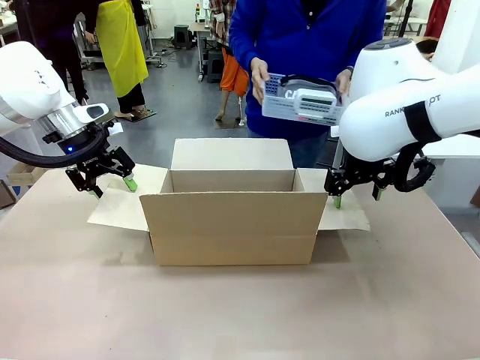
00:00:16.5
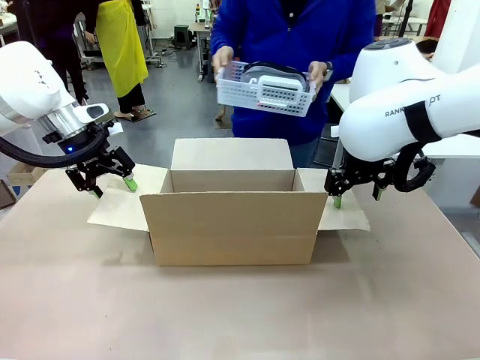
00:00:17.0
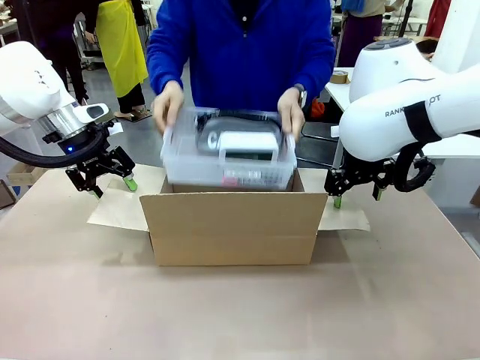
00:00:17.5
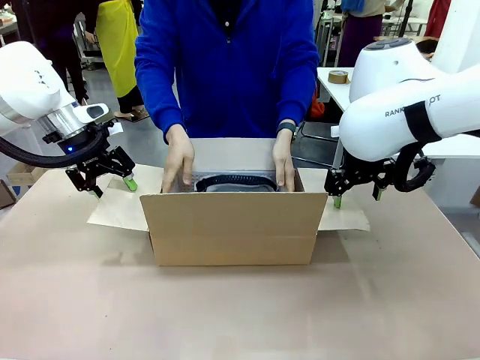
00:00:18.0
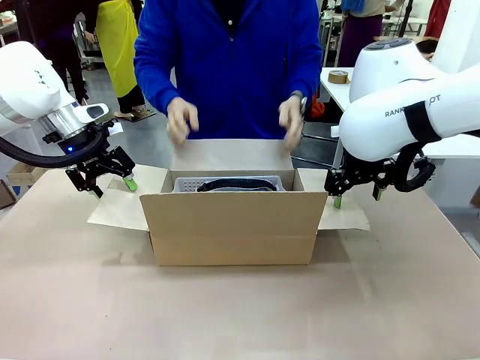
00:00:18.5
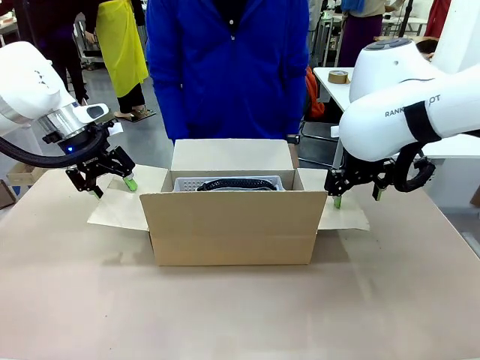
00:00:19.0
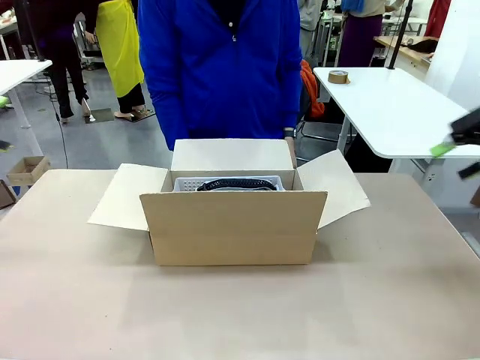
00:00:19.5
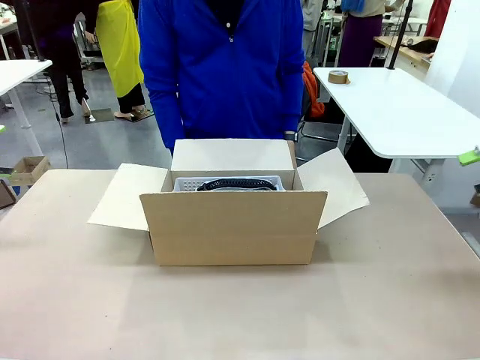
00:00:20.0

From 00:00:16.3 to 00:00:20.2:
Task: Pack the gift set into the box.
Robot: Lift both hands away from the flaps of the Package Box.
Person: The human picks up the organizing basket and places the organizing basket into the package box on the robot table.

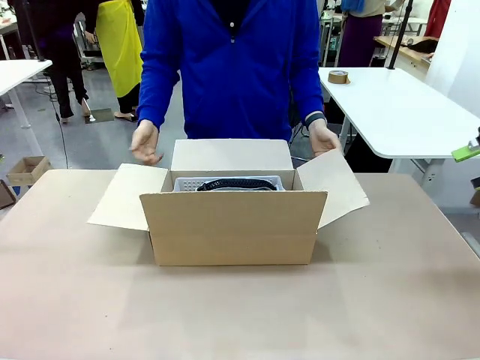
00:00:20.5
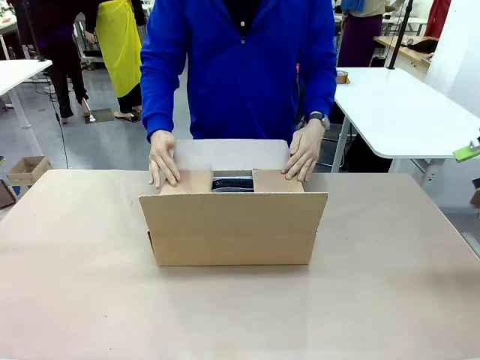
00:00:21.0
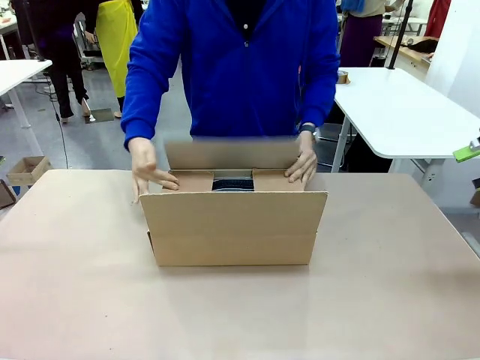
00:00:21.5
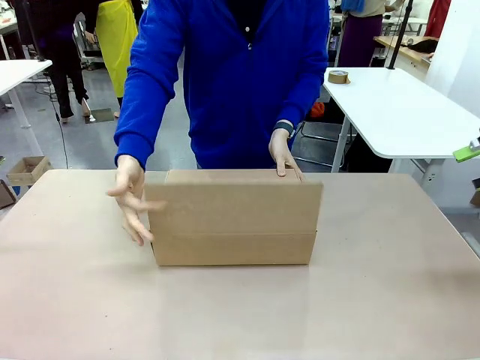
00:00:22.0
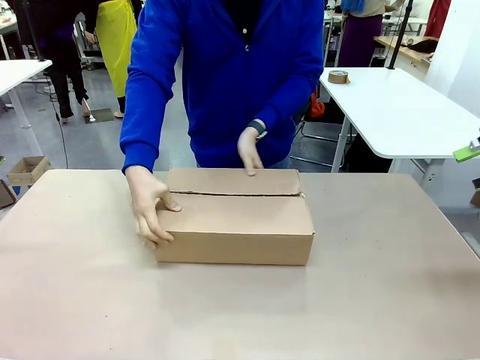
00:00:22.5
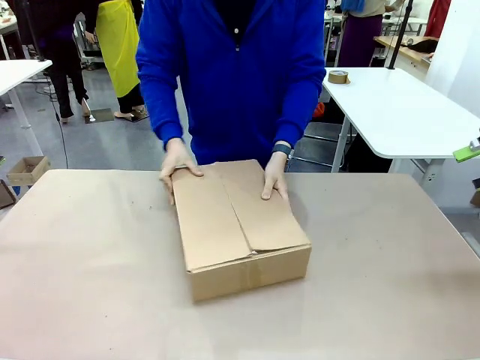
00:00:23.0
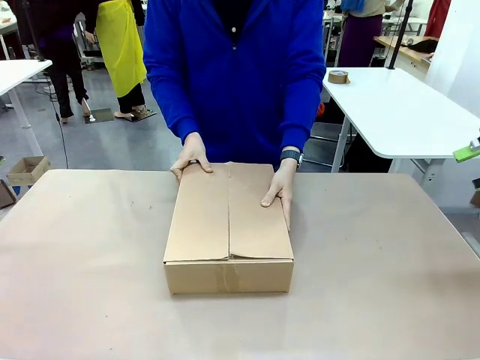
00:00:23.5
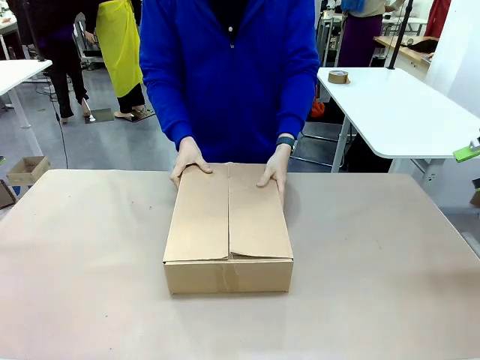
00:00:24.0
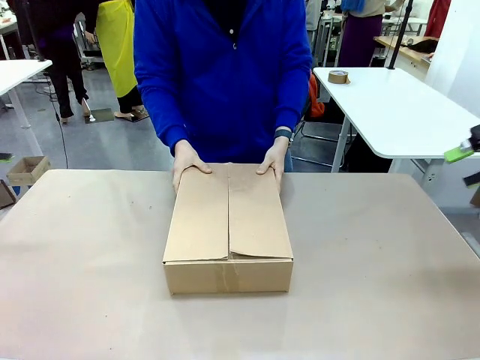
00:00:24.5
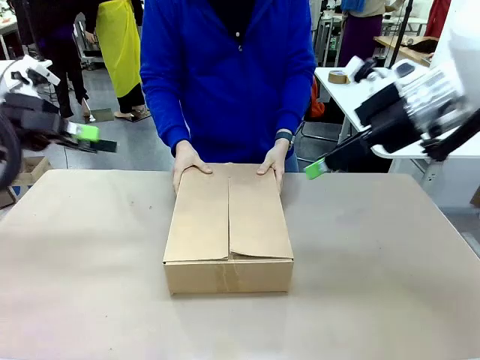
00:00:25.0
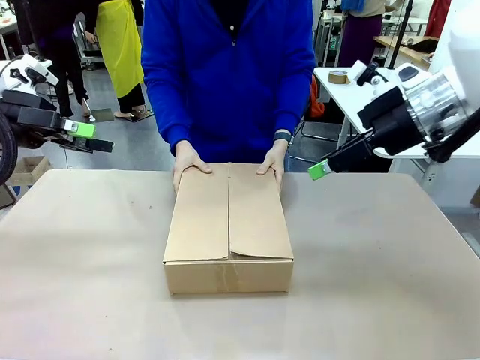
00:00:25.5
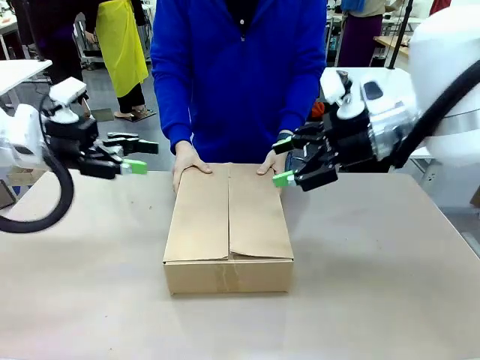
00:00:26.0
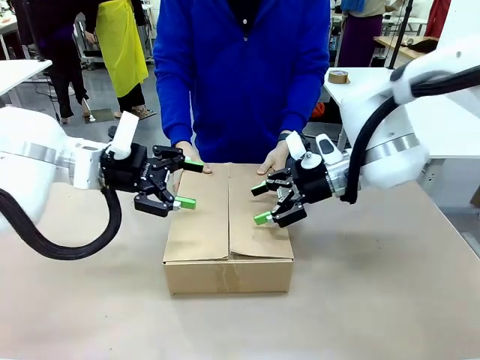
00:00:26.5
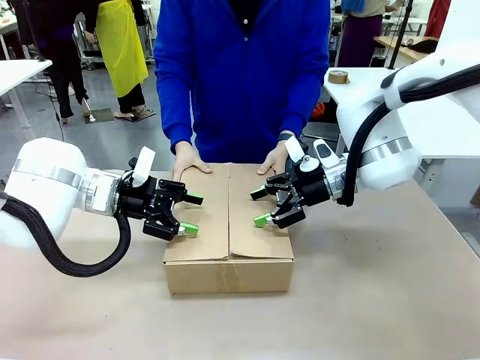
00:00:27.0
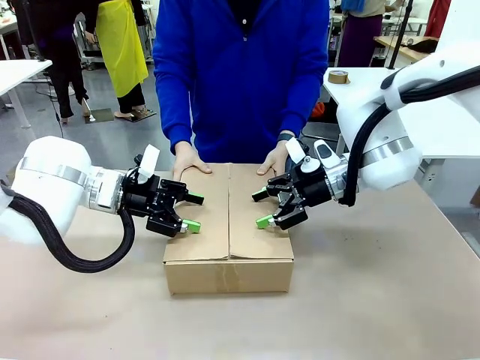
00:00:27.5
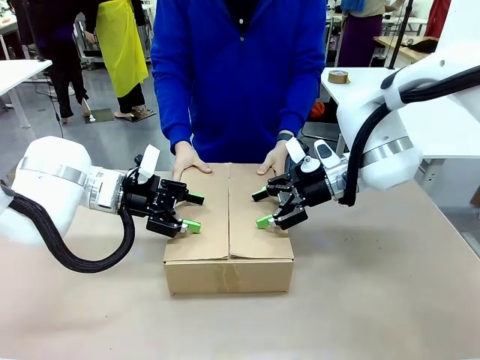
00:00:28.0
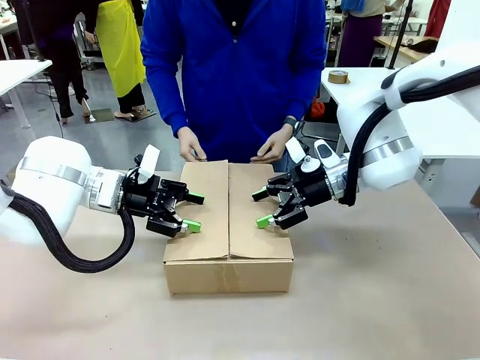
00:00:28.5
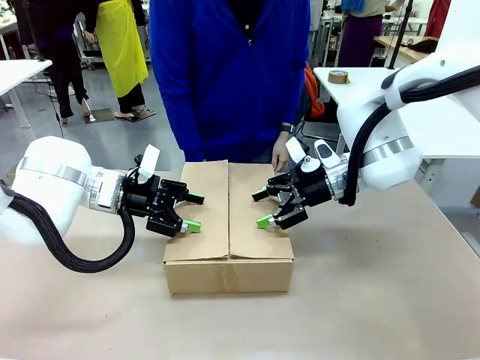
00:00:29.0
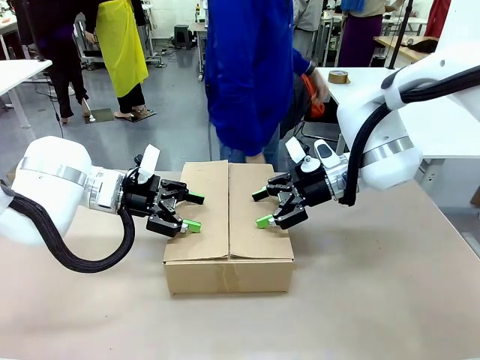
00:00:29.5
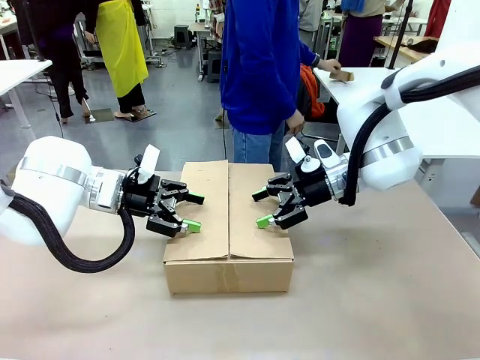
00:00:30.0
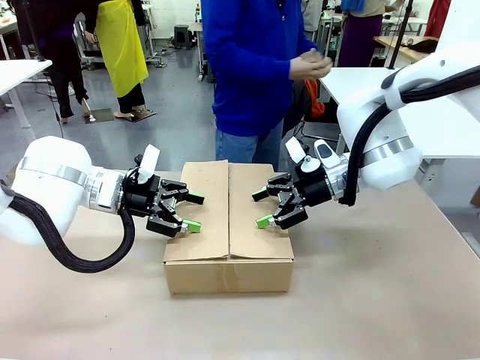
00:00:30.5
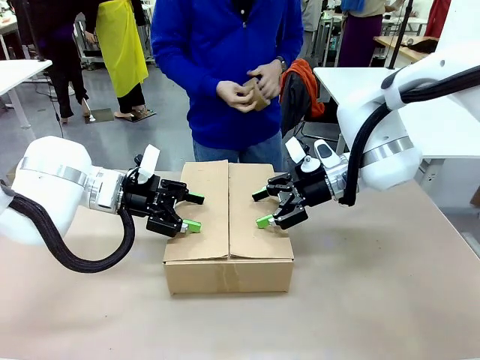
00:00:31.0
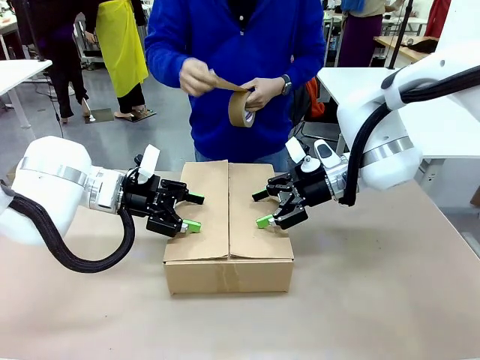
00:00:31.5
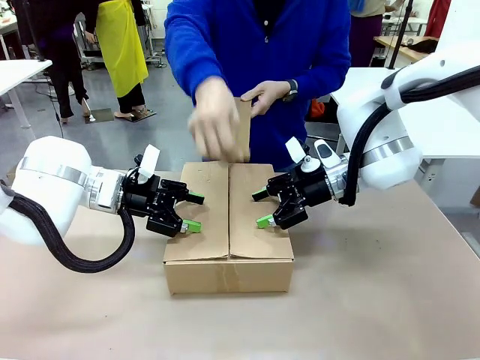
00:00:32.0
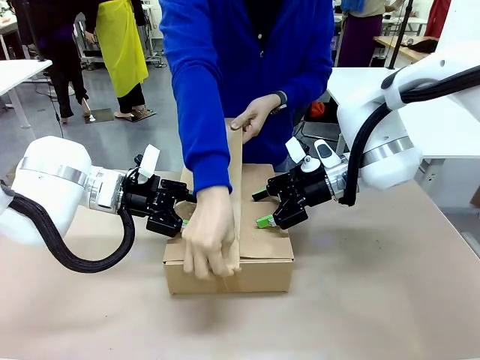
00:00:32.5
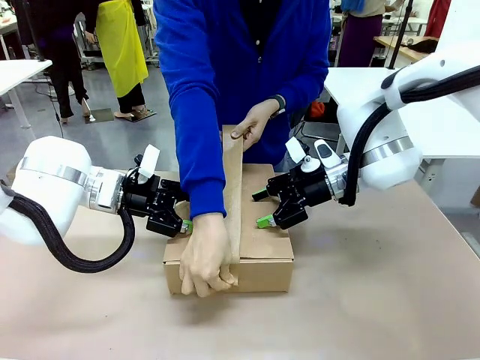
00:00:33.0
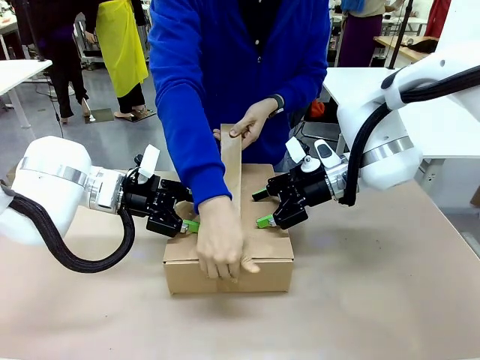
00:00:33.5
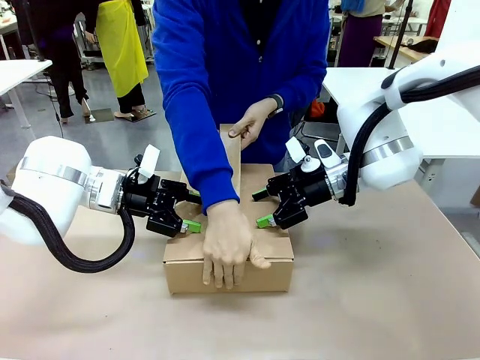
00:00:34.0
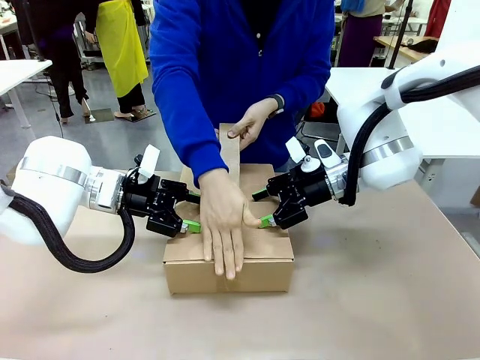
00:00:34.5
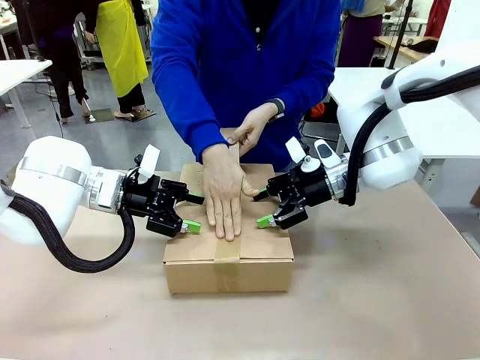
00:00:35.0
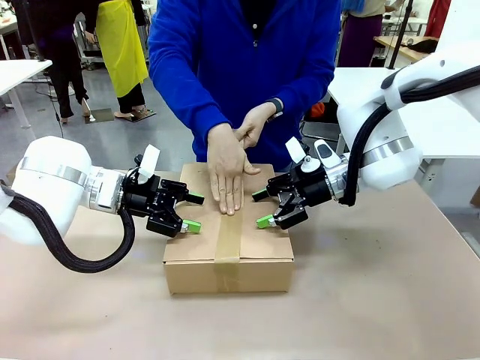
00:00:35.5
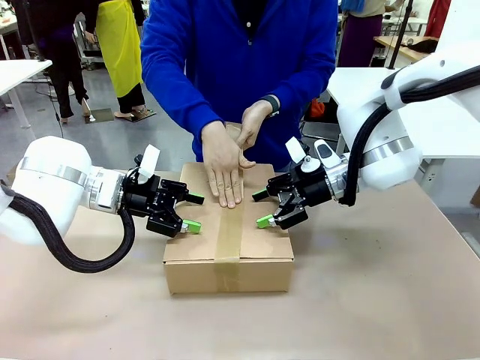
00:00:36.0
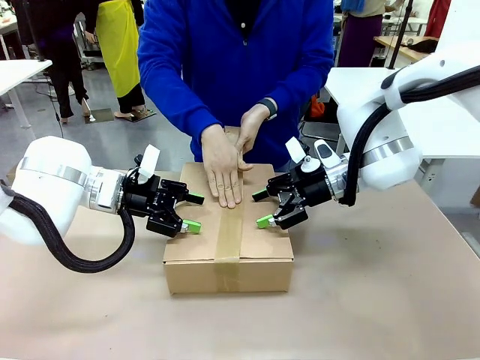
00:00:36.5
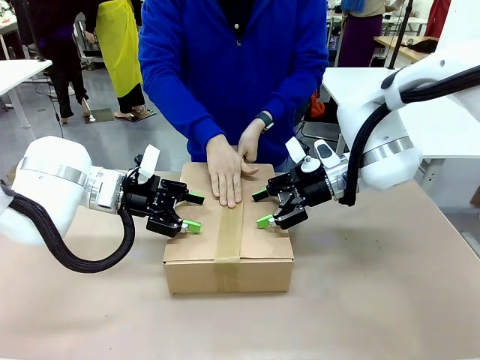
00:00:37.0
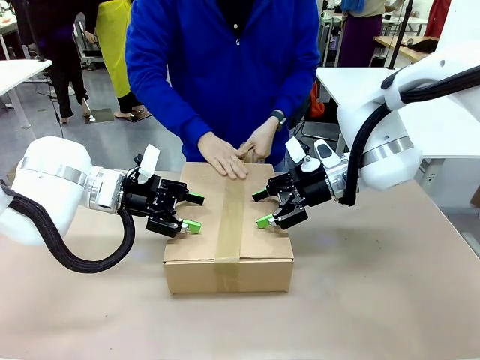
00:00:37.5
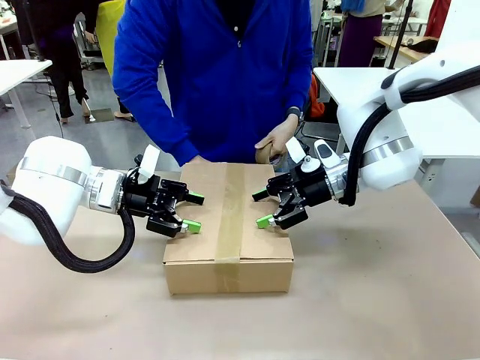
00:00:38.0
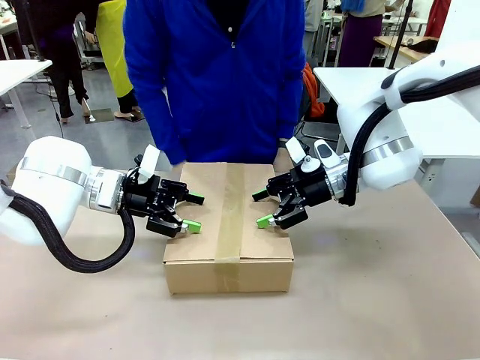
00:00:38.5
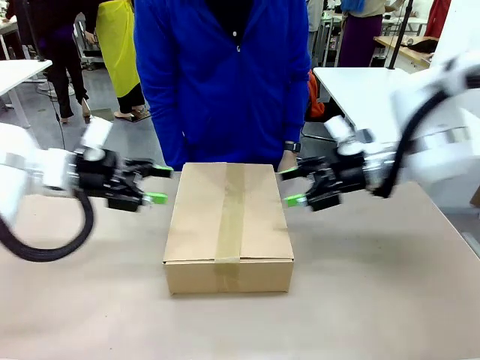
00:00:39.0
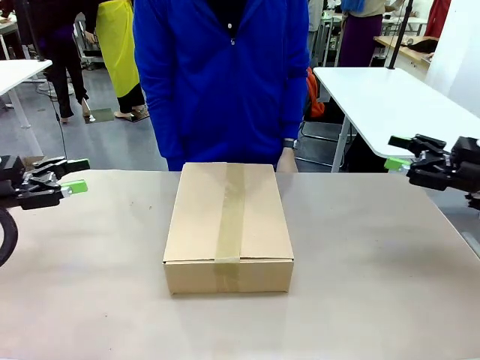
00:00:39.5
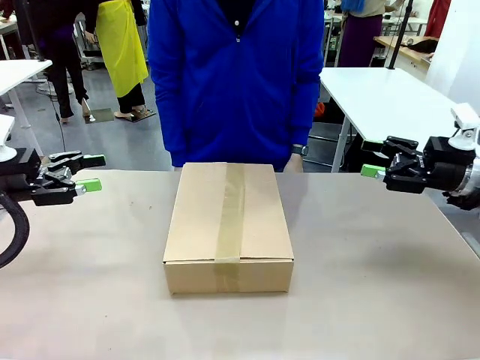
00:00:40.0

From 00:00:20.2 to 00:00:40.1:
Robot: Press and hold the closed box until the human finishes sealing it.
Person: The human closes the box and rotates the box by 90 degrees. The human picks up the paper tape from the human table and packs the box.
